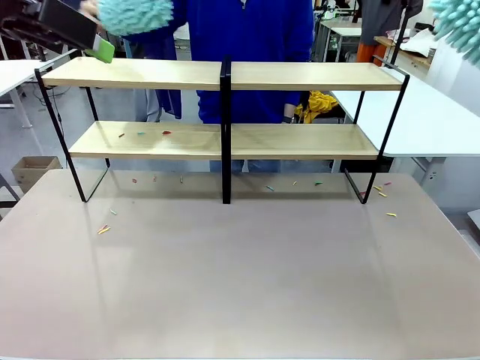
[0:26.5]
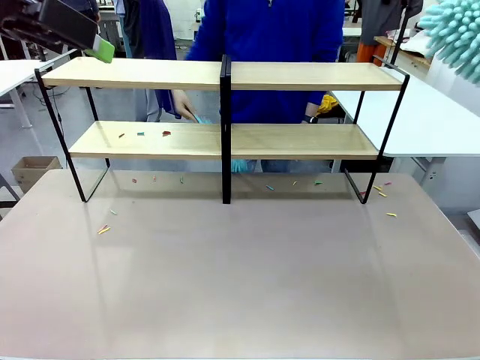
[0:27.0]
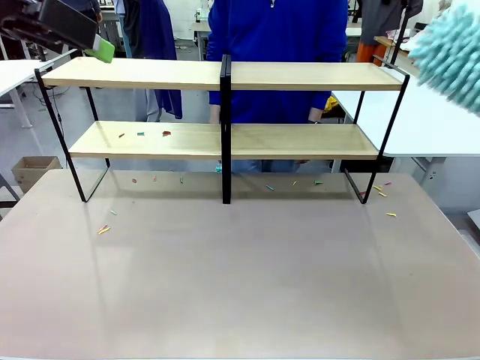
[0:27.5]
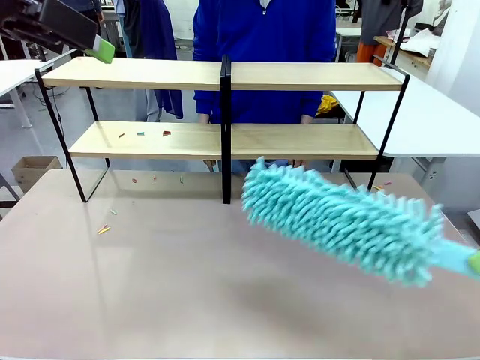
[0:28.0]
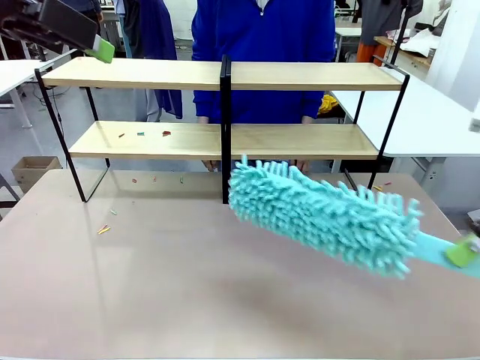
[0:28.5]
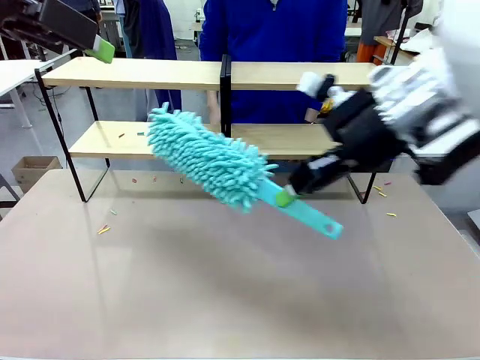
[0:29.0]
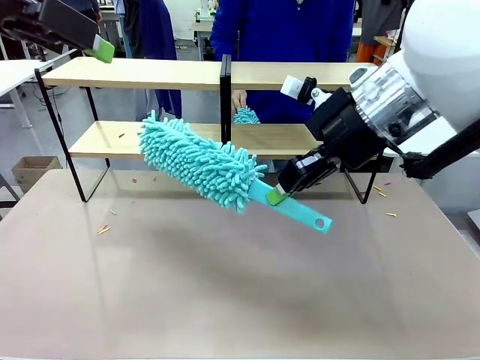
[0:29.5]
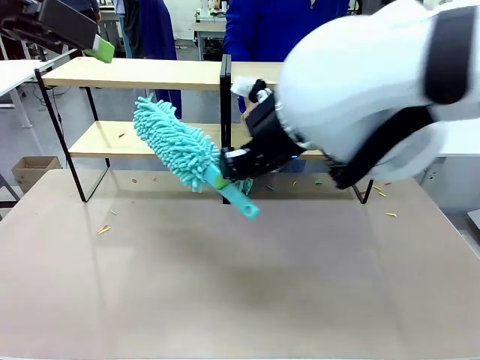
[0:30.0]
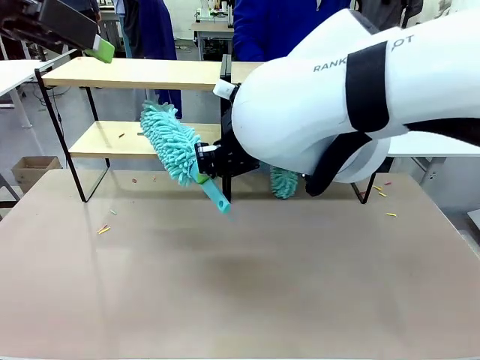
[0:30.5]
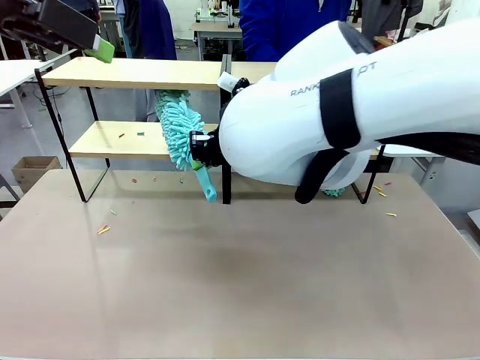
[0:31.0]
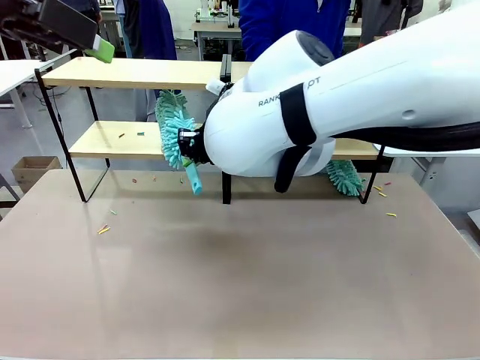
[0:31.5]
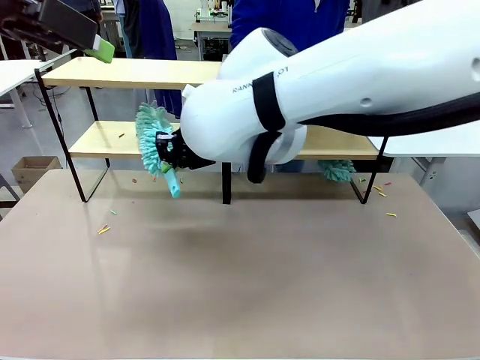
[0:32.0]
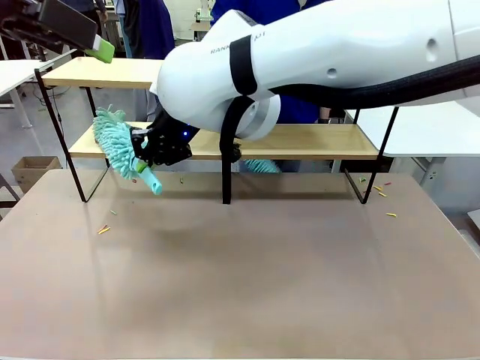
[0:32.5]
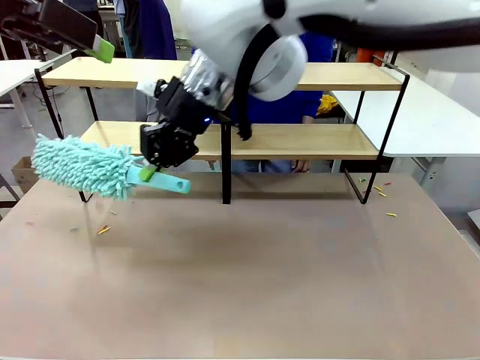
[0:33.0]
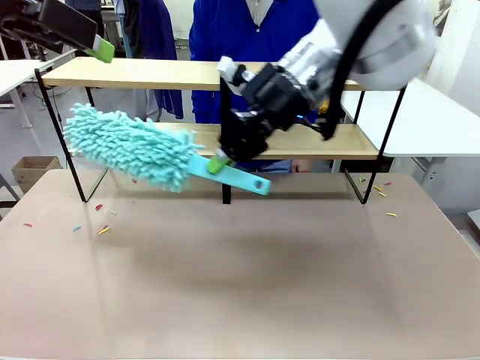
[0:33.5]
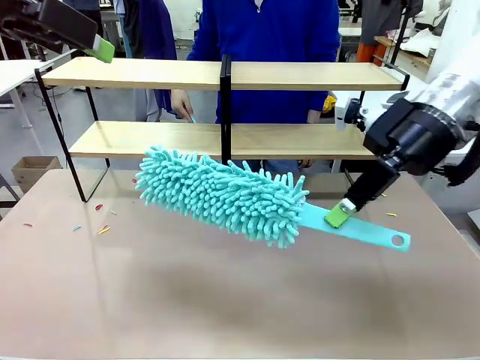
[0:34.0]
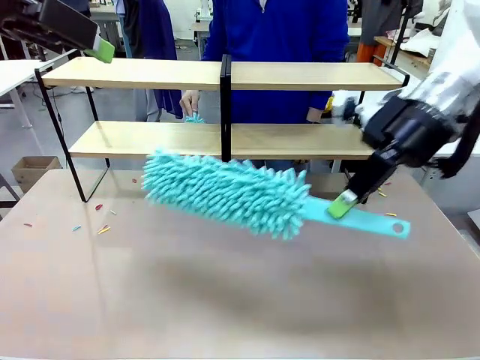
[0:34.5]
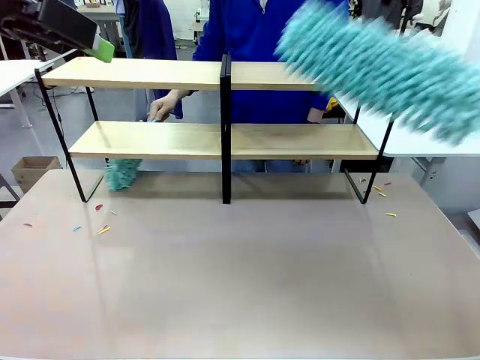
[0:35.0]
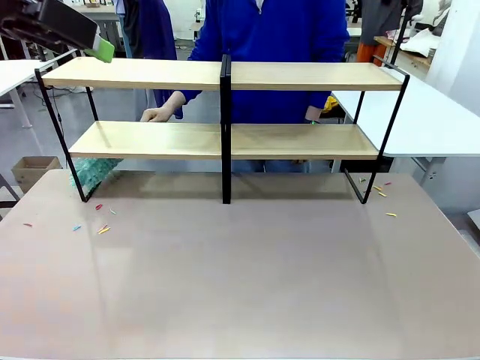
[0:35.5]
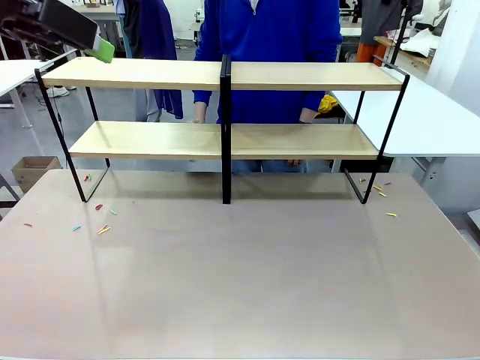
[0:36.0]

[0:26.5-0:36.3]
Task: Clean the shelves.
Robot: Clean another randomly selected level of the Shelf with the Duster.

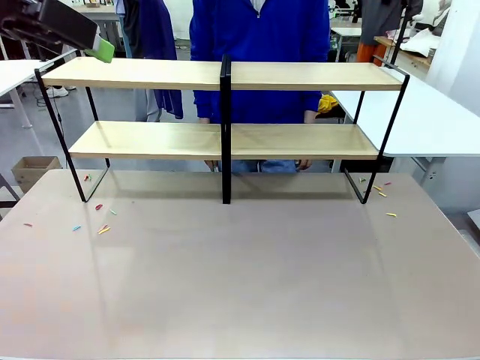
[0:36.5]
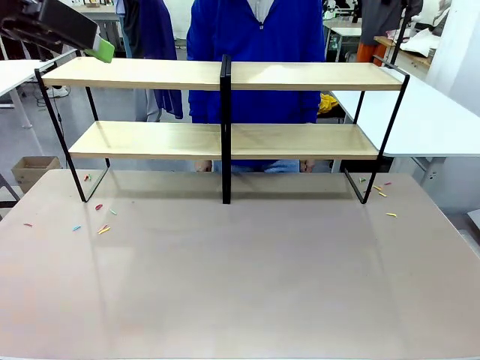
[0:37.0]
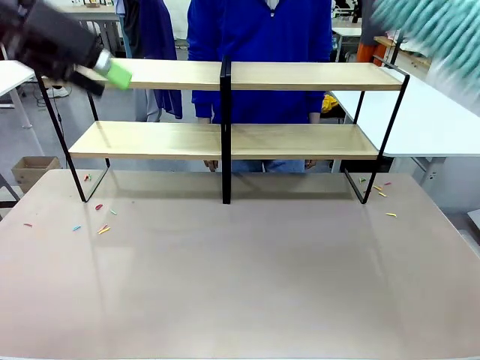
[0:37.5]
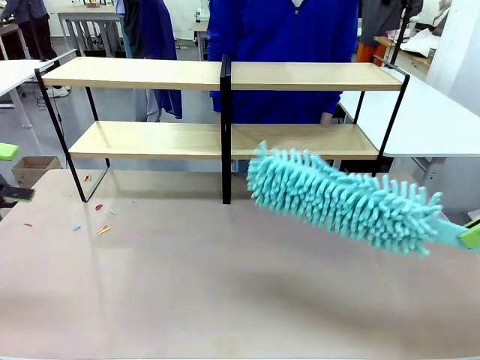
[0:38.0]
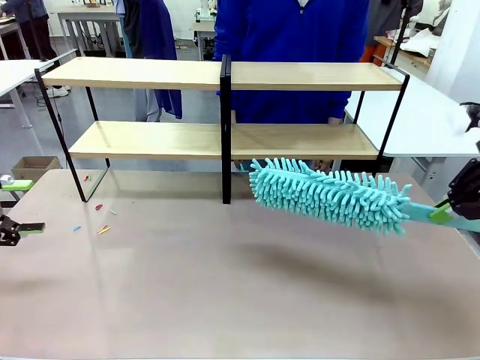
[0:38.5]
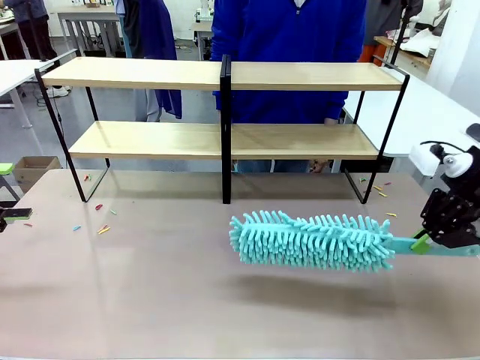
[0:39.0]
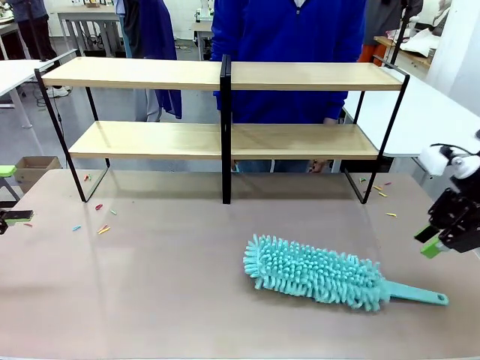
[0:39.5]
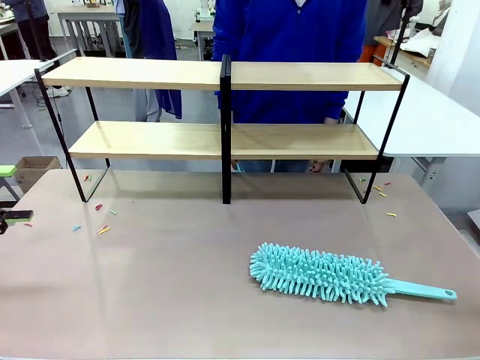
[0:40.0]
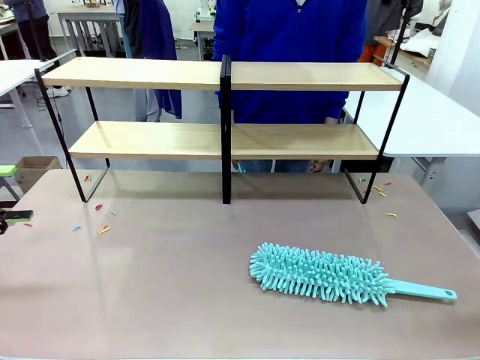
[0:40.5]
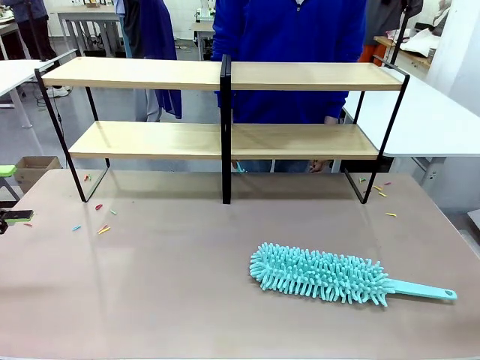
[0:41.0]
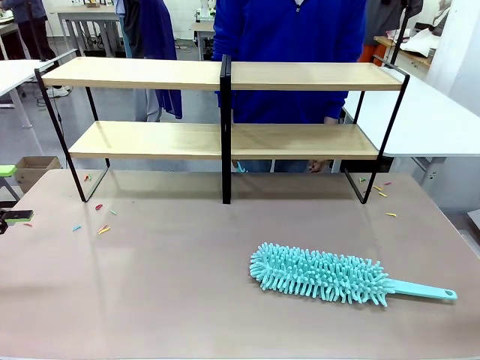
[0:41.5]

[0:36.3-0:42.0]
Robot: Place the Duster on the table.

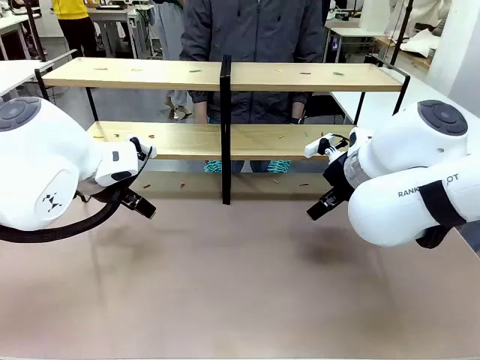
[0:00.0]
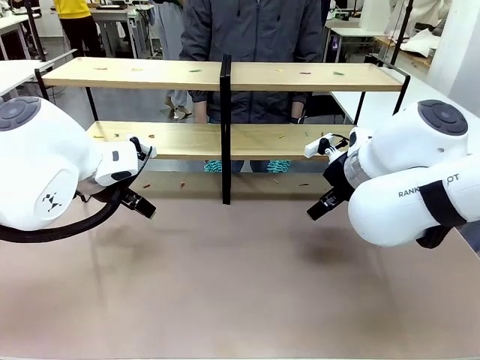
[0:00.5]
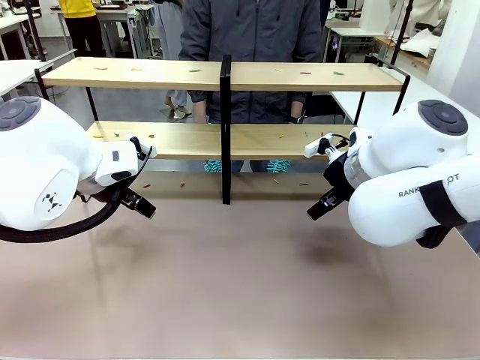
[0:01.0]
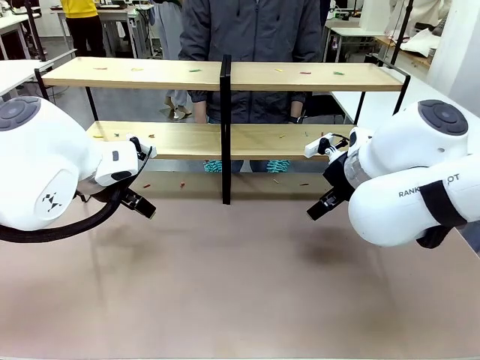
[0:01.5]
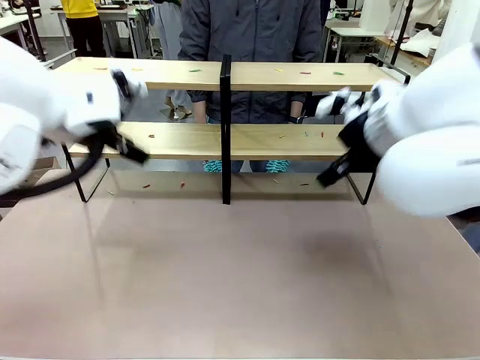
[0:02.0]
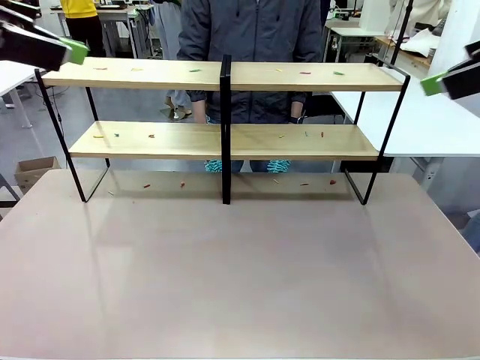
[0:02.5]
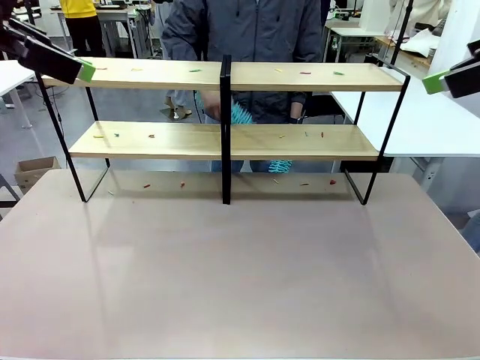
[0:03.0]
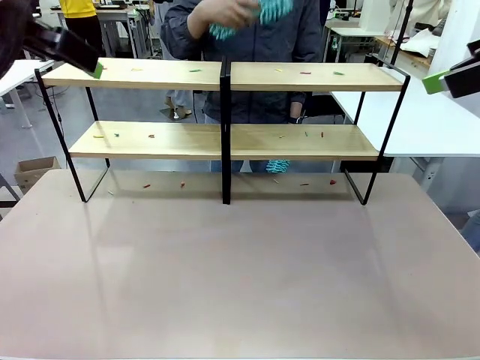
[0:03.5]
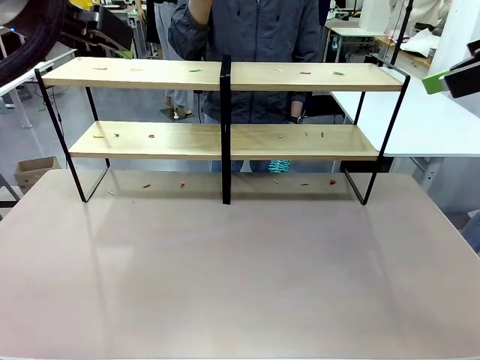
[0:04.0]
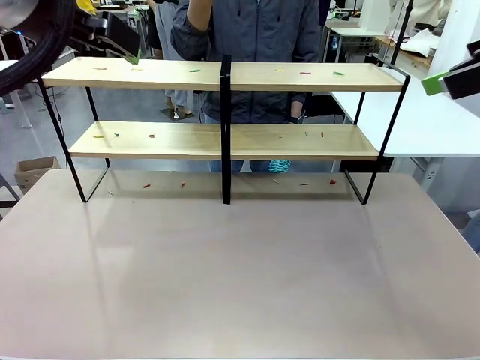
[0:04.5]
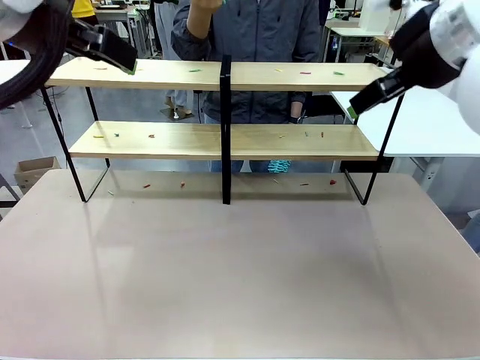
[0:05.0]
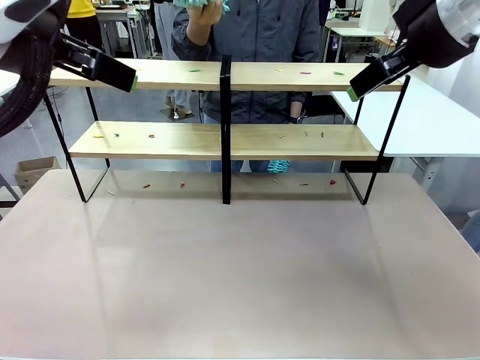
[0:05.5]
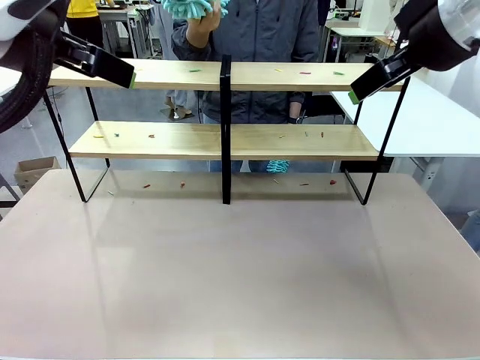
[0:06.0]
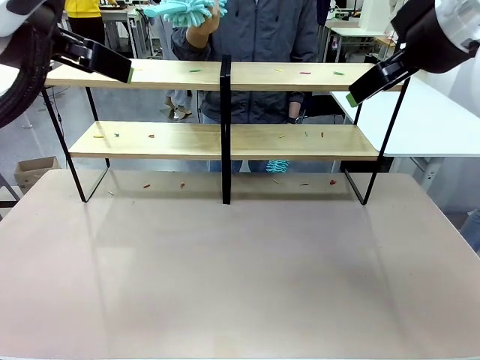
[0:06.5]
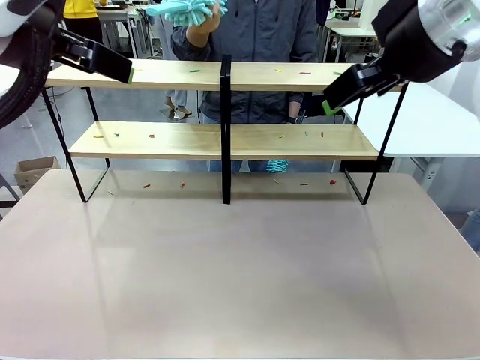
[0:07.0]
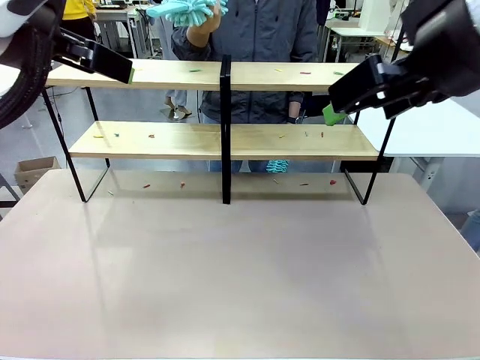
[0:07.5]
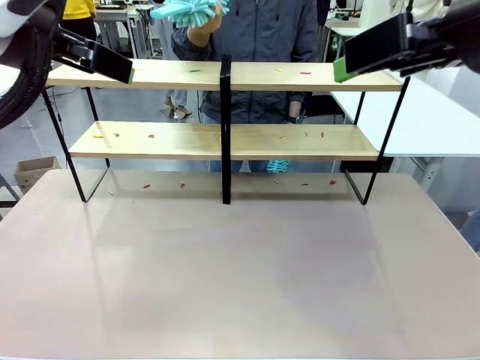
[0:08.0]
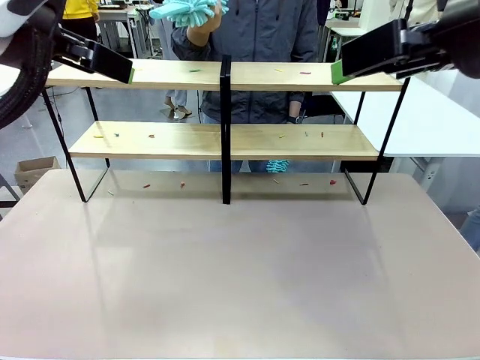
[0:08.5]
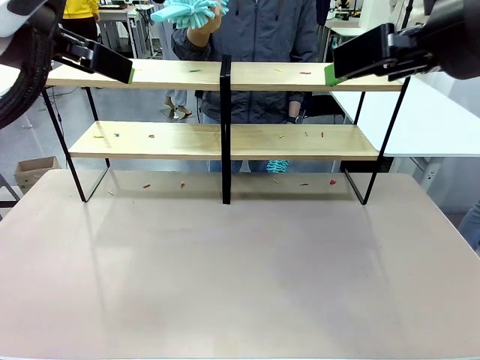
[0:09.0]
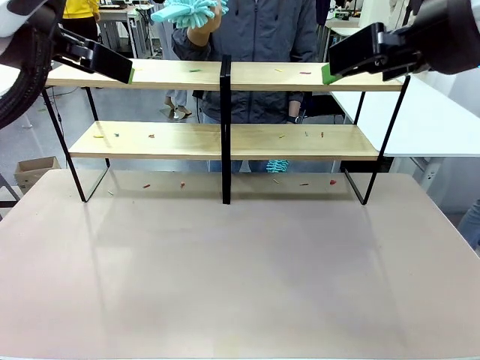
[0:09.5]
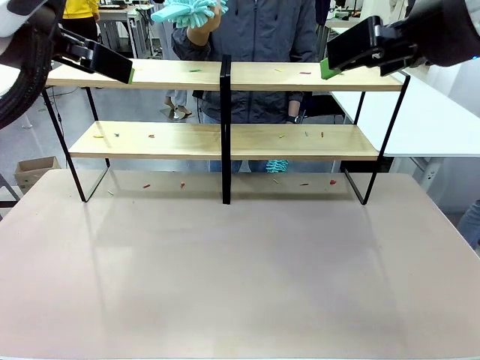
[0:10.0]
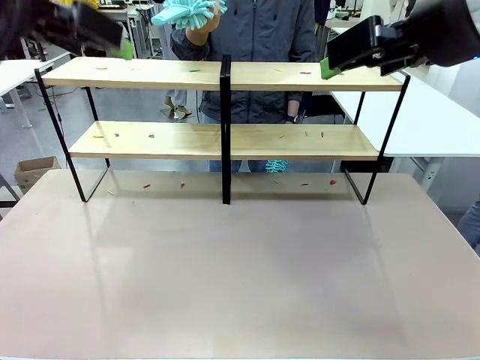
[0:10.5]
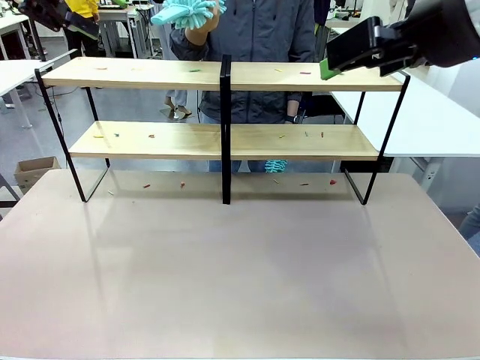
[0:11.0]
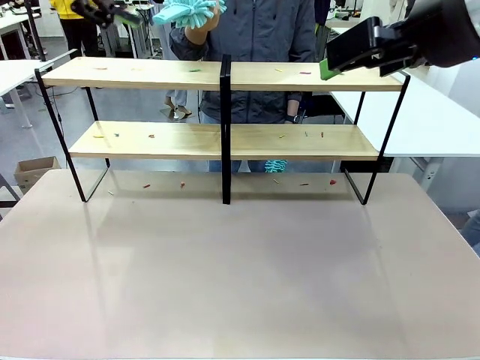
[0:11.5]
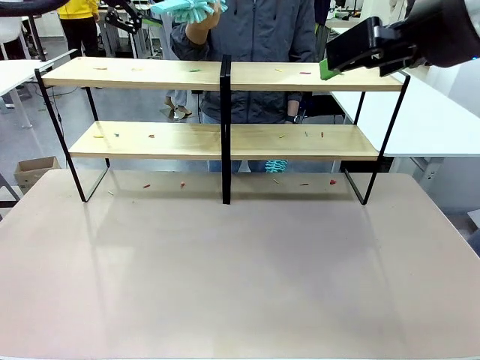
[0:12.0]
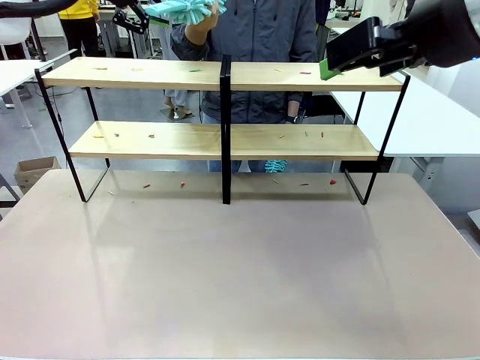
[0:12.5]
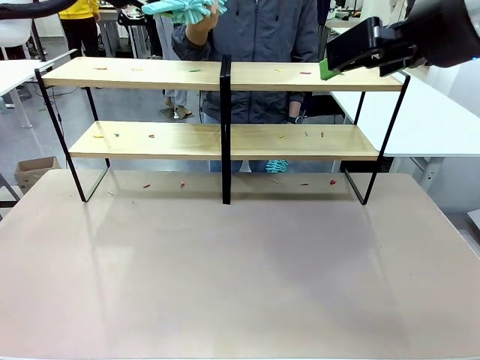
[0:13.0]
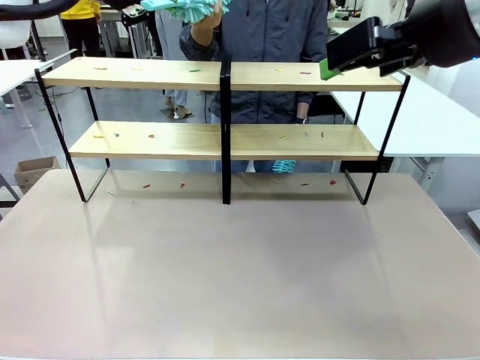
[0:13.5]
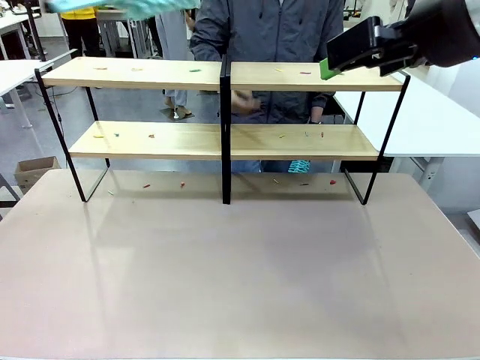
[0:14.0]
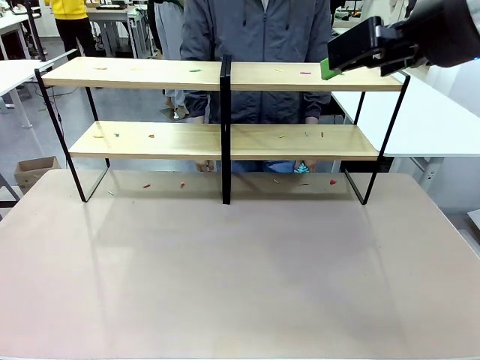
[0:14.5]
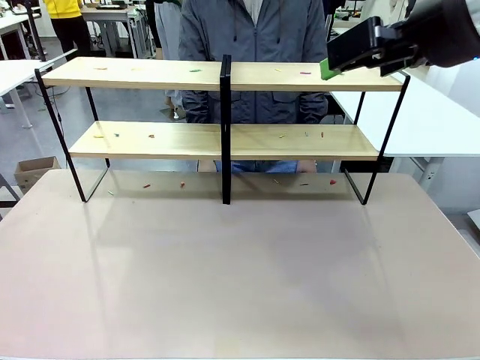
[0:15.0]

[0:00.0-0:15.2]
Task: Clean the shelves.
Robot: Pick up the Duster when the human hands it over.
Person: Hand the Duster to the robot with your right (or left) hand.
